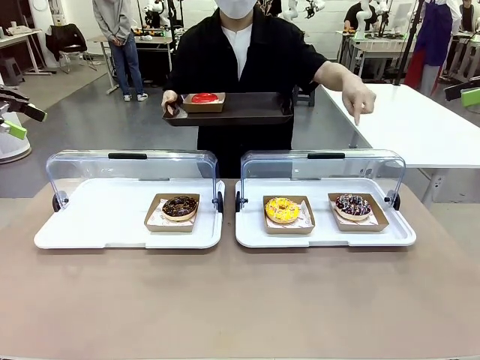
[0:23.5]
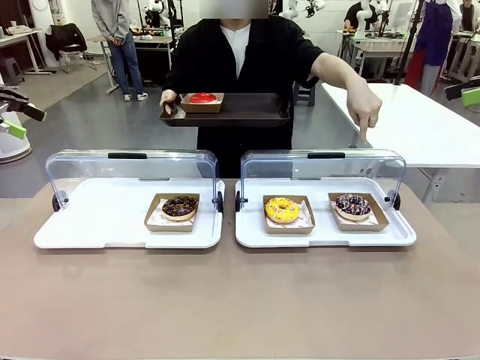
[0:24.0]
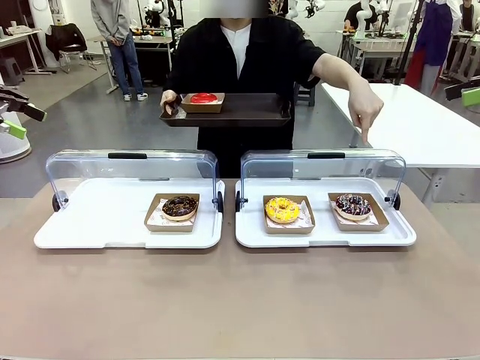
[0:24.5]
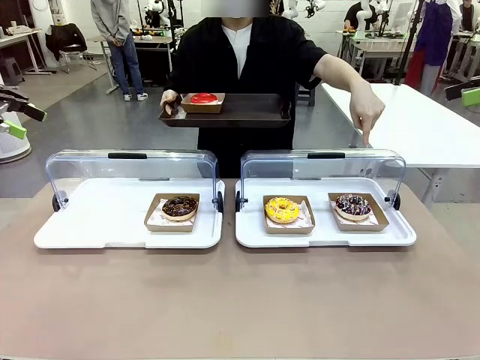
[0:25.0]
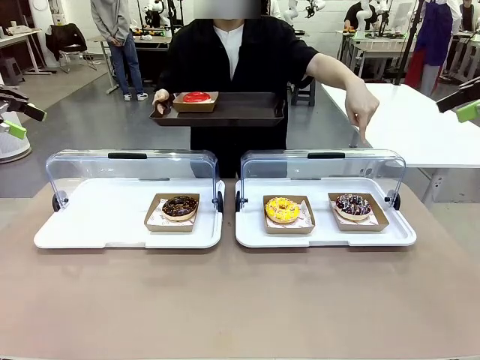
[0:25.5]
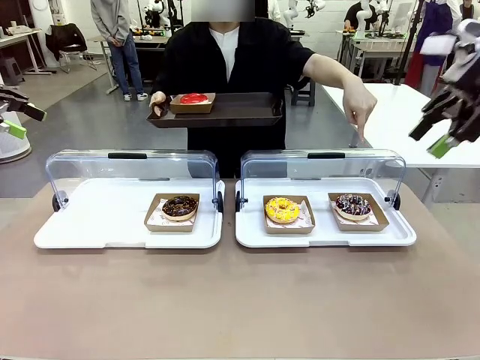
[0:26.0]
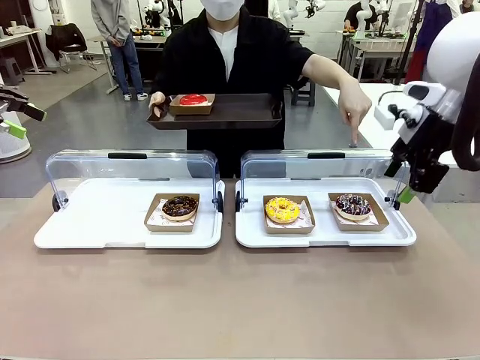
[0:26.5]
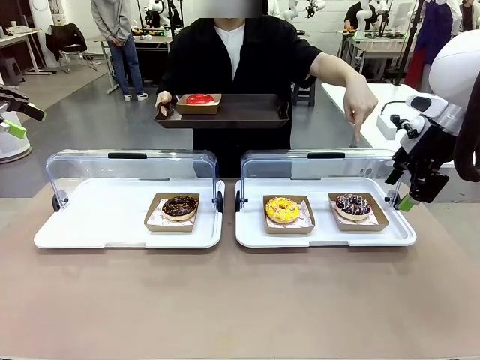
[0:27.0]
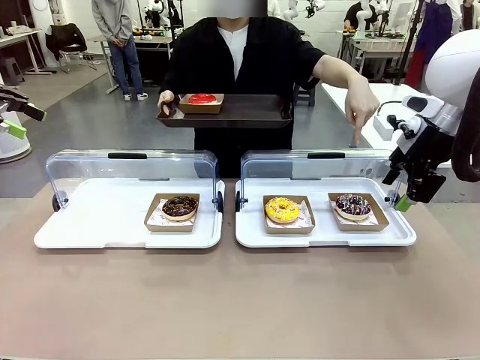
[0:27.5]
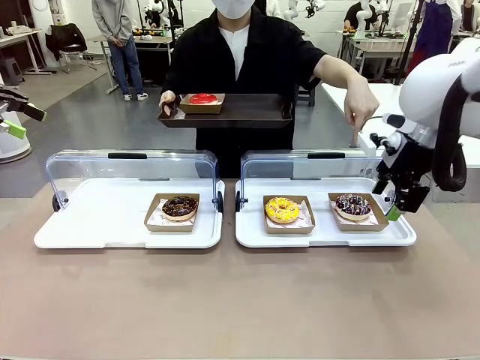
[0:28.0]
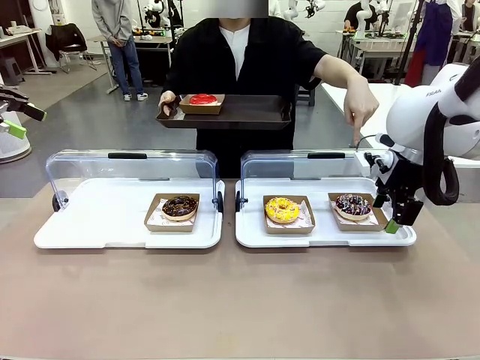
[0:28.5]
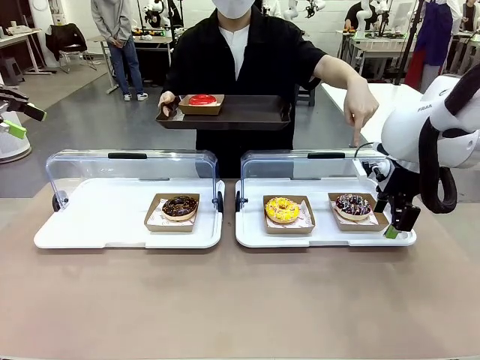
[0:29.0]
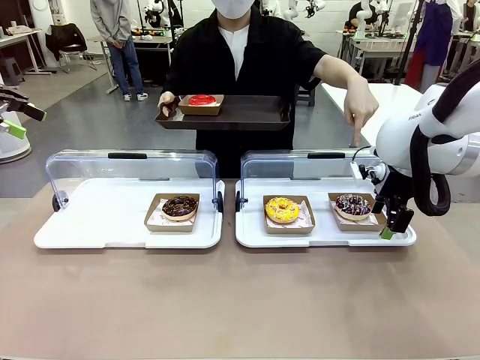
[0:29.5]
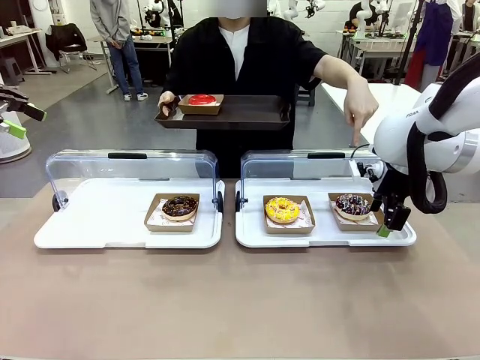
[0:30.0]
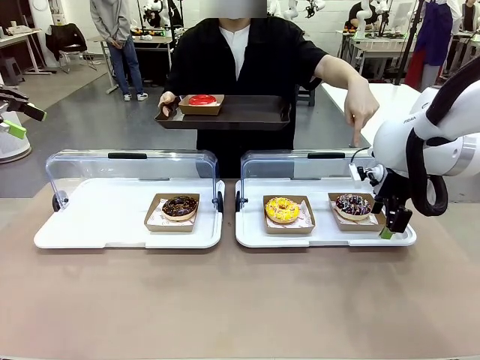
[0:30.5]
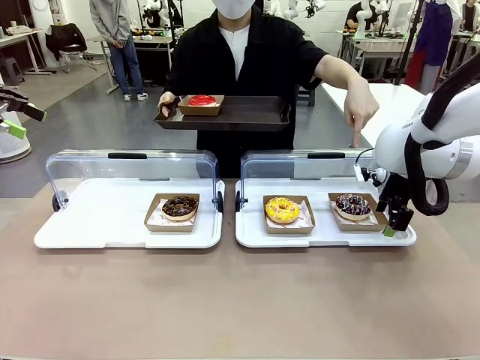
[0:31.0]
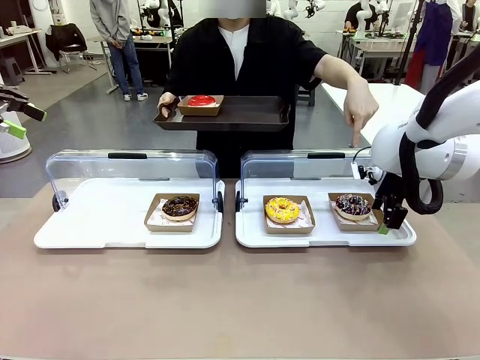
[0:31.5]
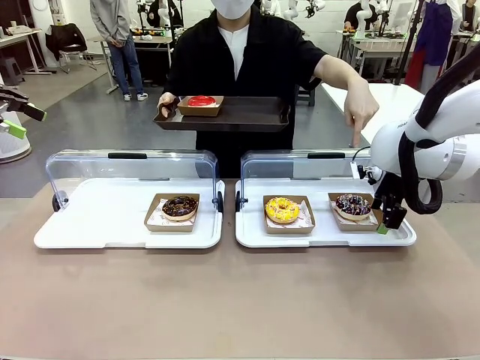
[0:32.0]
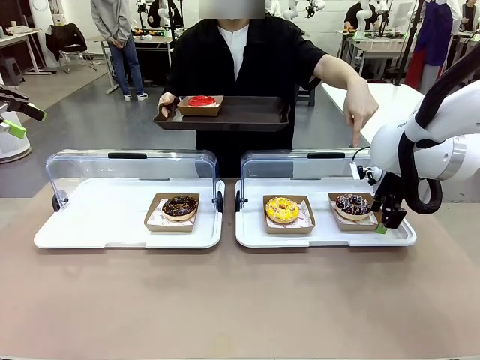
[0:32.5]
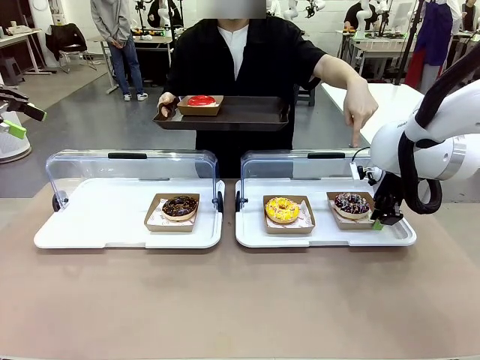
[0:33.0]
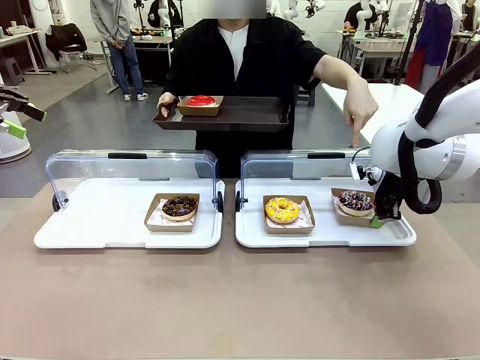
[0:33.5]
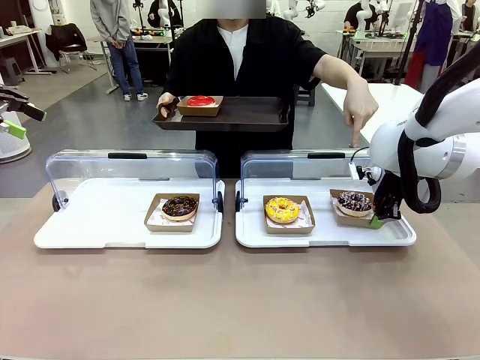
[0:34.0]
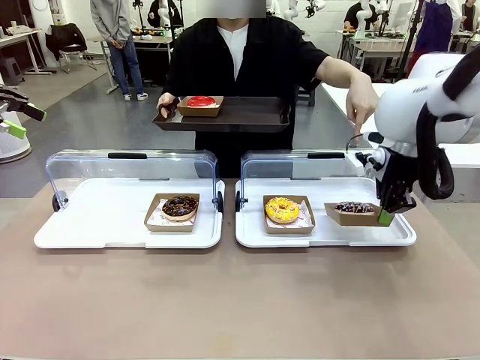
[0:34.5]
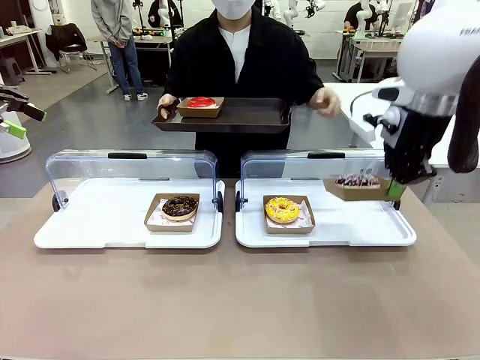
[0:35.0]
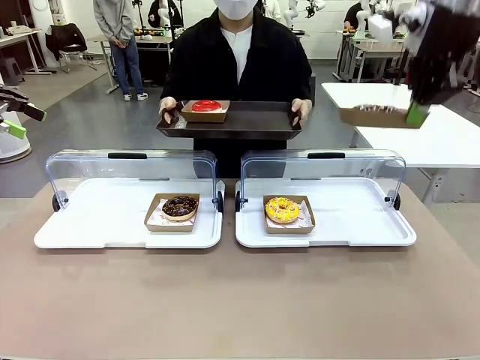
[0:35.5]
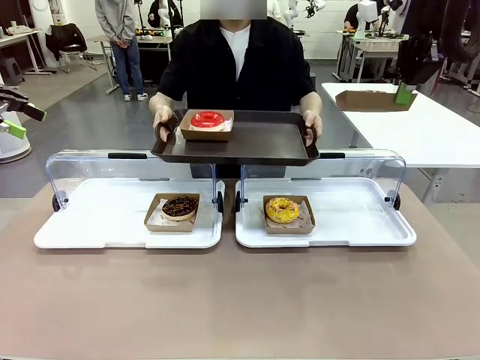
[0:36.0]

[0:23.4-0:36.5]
Task: Provide the desired donut to the person.
Robot: Pick up and lift the Paper togo box containing the Donut pointed at by the person.
Person: Lift the tray onto the Roll-Top Bakery Case.

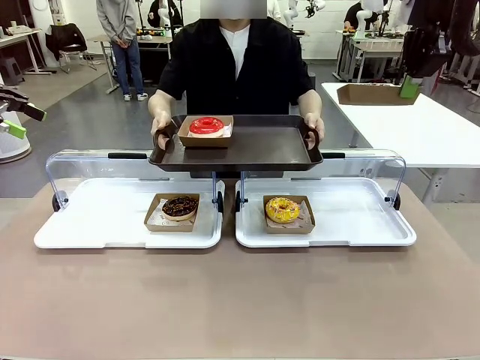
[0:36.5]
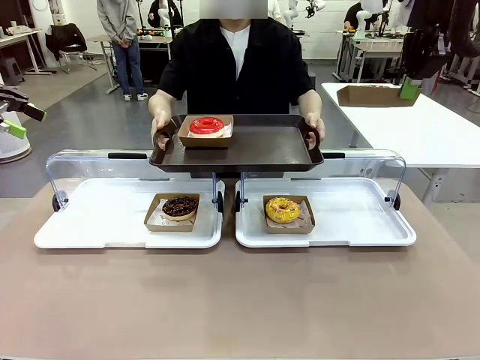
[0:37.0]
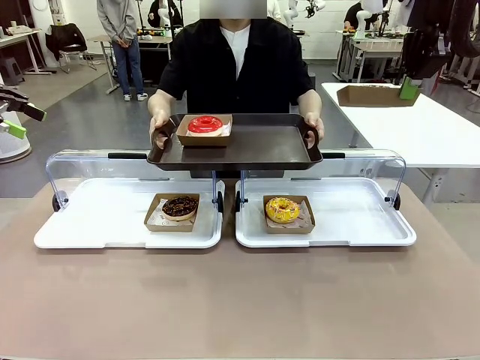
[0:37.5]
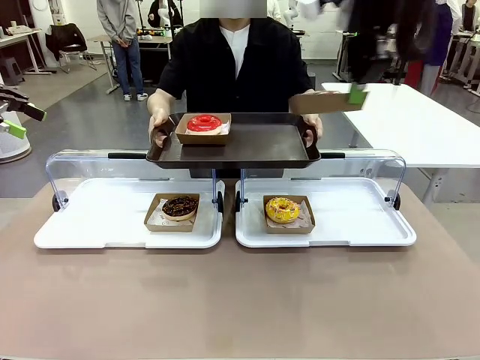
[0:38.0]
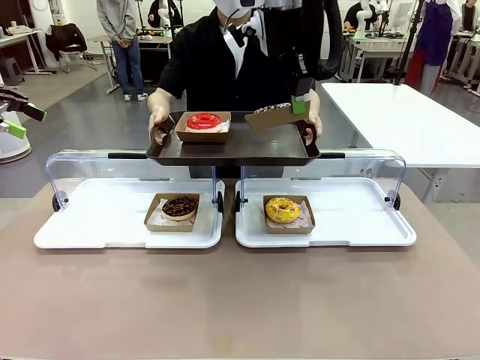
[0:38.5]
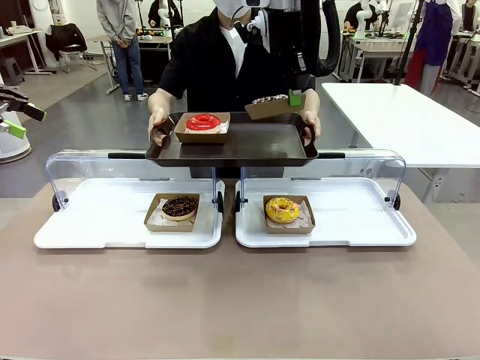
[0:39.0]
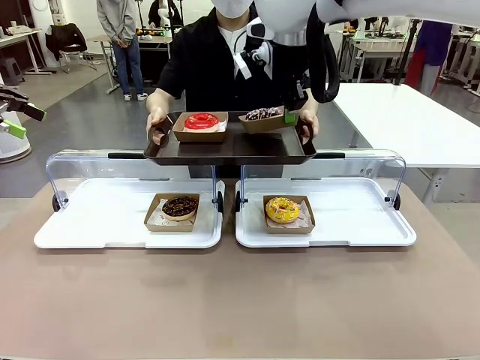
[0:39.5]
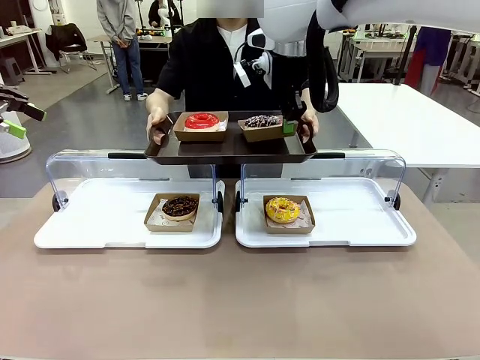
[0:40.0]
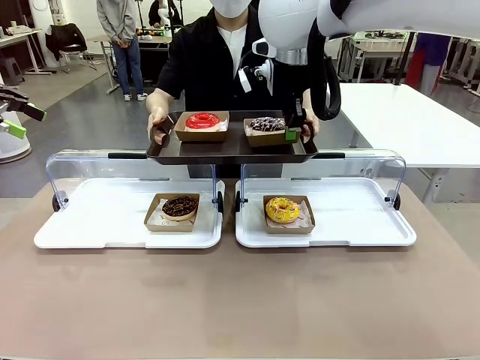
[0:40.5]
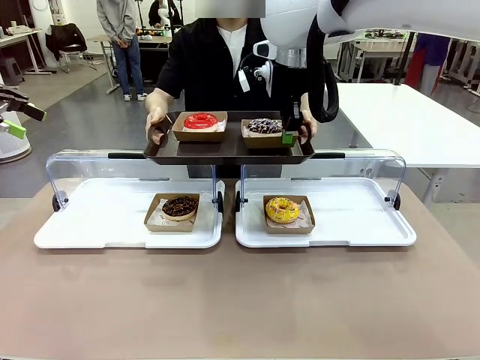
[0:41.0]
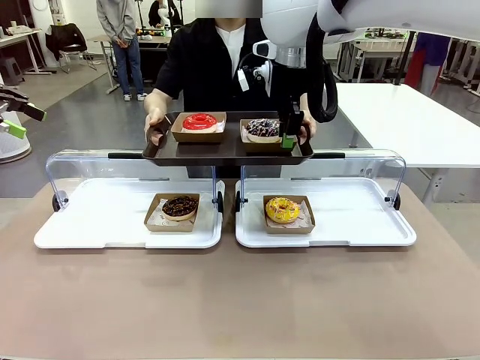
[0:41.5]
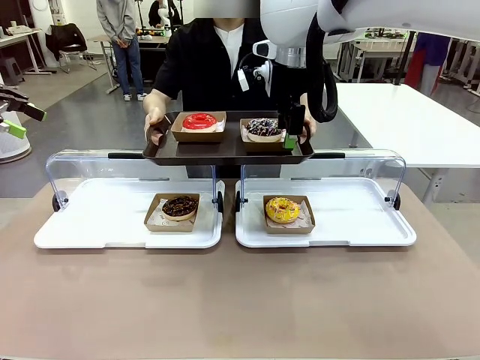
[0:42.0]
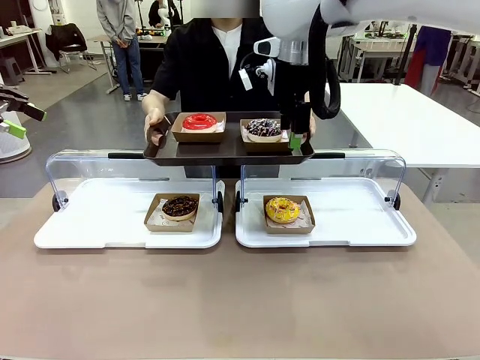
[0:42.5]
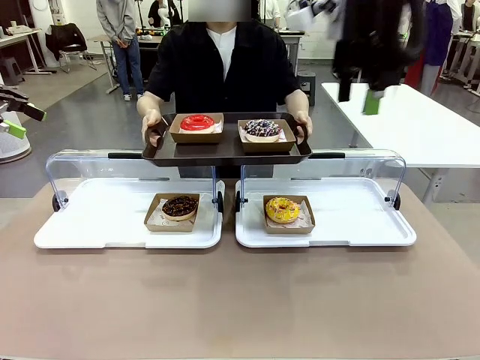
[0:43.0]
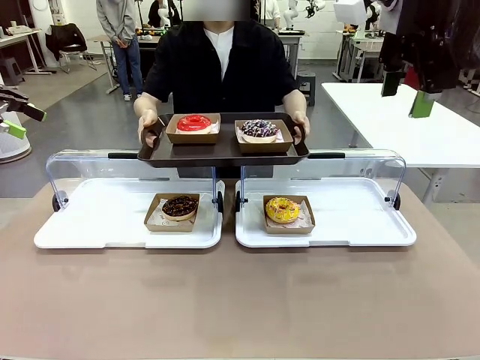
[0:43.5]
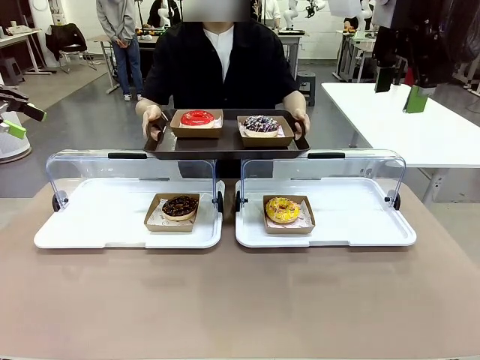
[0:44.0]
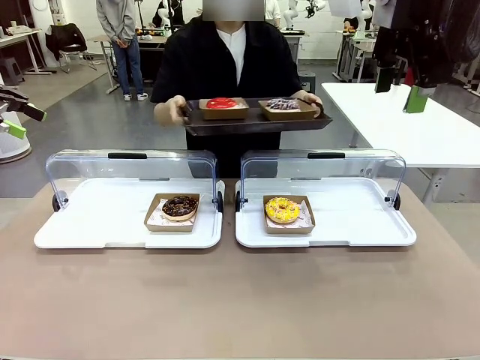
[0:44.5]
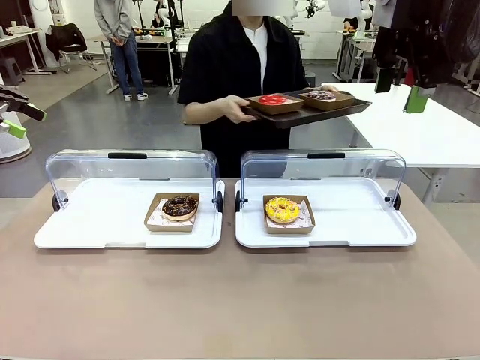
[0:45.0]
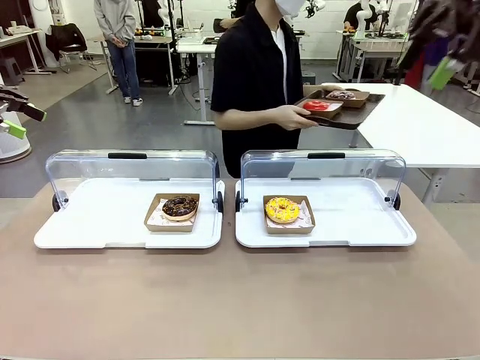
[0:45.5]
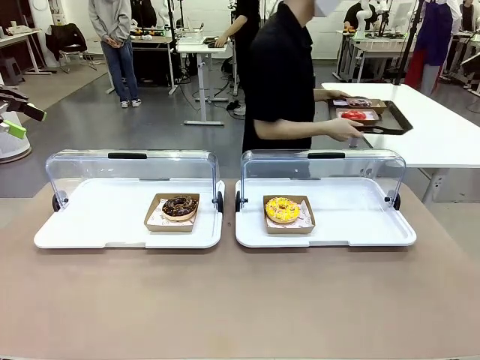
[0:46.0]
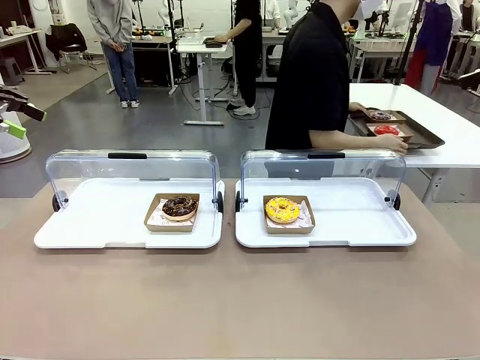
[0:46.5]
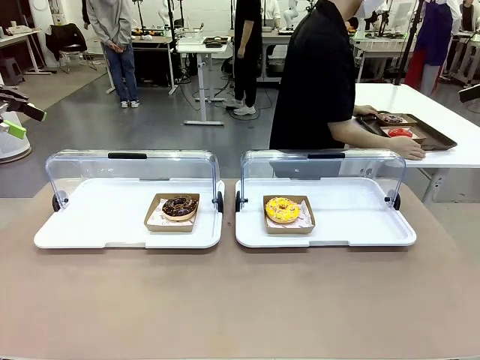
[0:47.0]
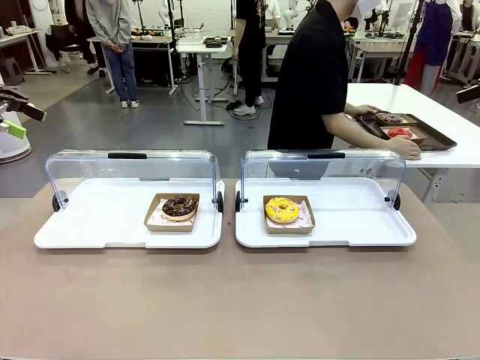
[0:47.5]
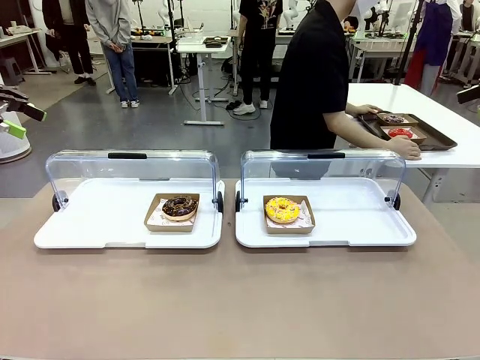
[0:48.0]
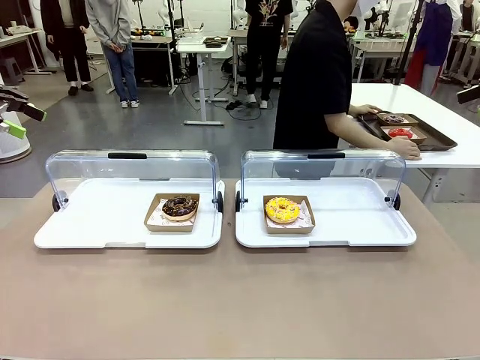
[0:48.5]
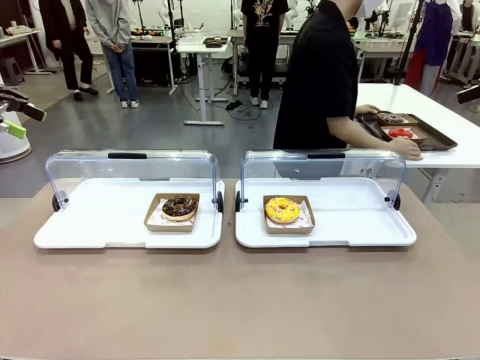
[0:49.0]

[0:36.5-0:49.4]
Robot: Place the picked Paper togo box onto the Handle tray extended by the person.
Person: Place the tray in the middle of the human table.
